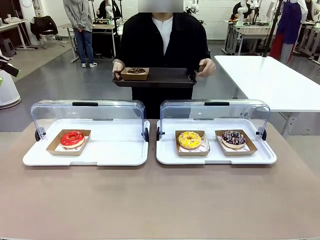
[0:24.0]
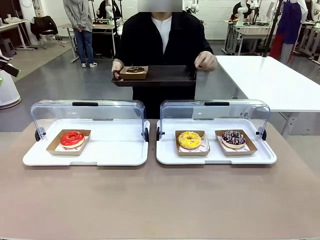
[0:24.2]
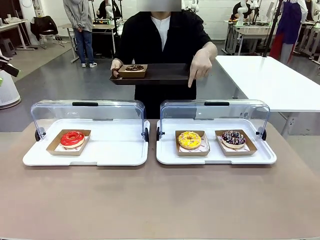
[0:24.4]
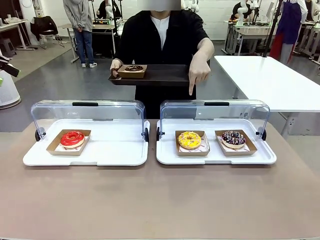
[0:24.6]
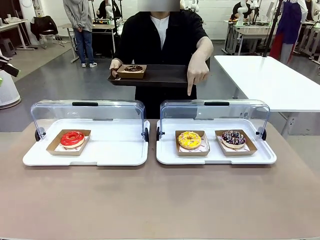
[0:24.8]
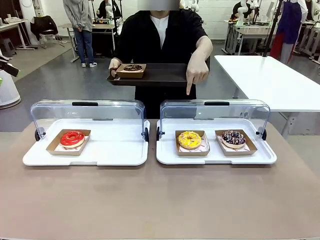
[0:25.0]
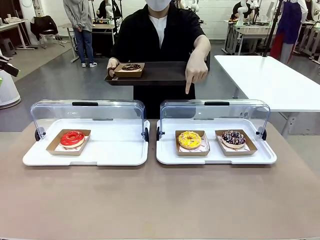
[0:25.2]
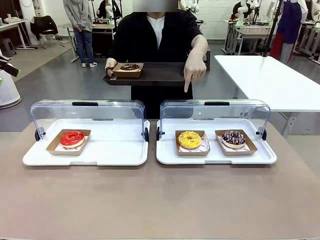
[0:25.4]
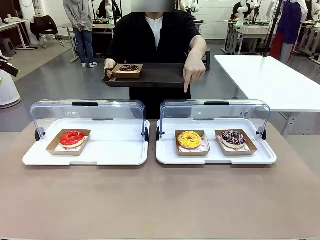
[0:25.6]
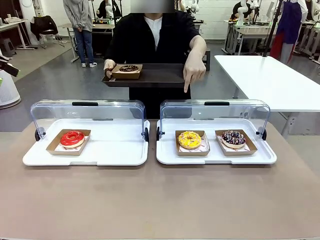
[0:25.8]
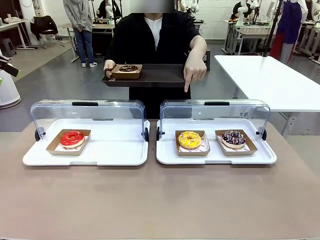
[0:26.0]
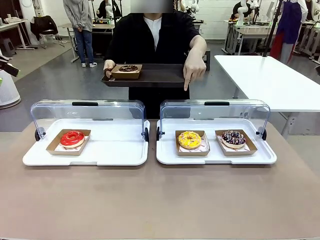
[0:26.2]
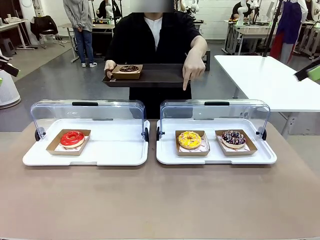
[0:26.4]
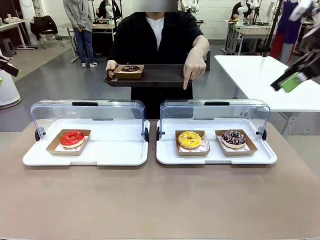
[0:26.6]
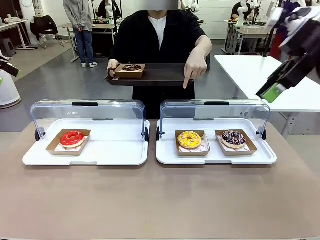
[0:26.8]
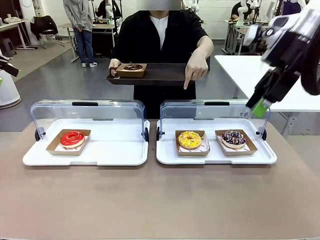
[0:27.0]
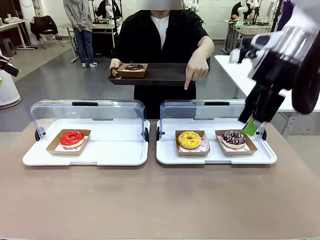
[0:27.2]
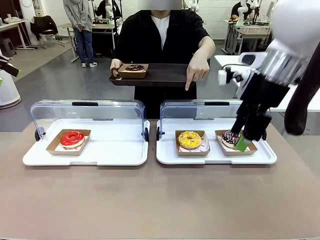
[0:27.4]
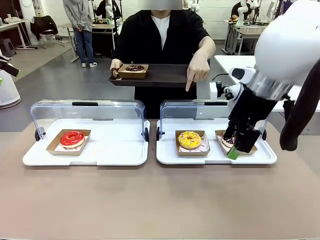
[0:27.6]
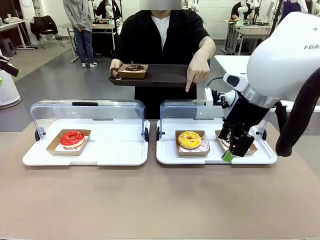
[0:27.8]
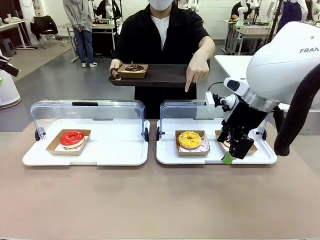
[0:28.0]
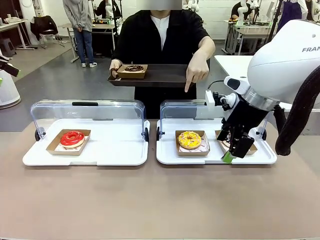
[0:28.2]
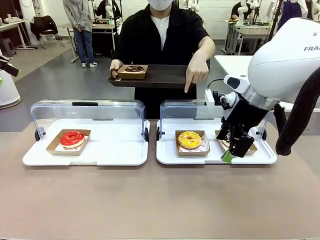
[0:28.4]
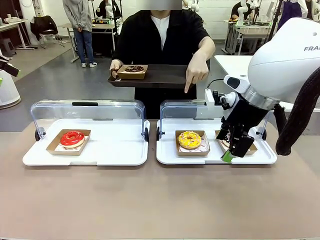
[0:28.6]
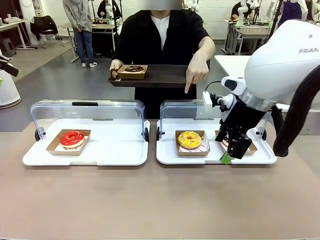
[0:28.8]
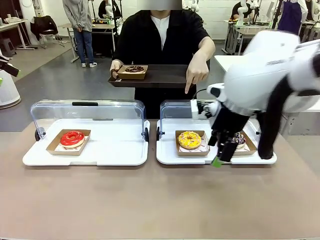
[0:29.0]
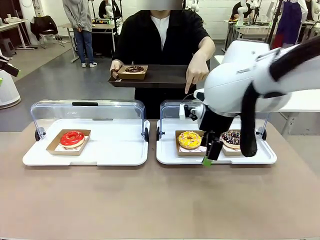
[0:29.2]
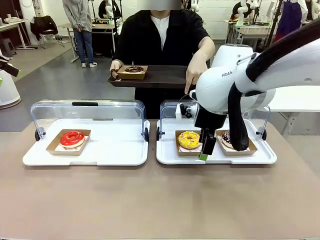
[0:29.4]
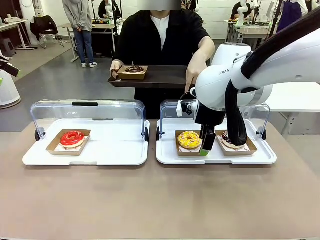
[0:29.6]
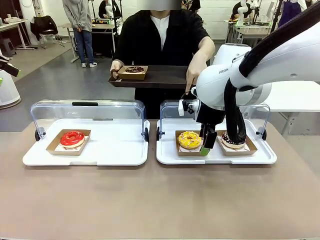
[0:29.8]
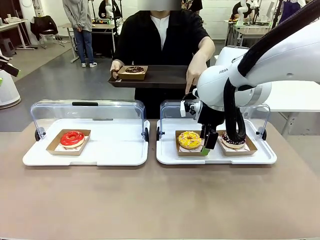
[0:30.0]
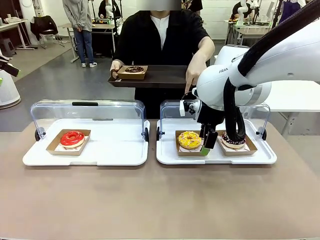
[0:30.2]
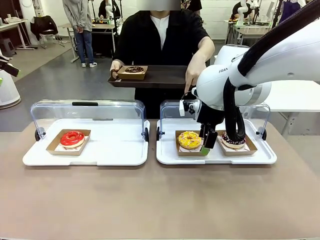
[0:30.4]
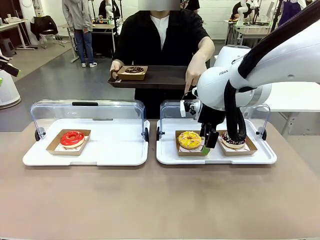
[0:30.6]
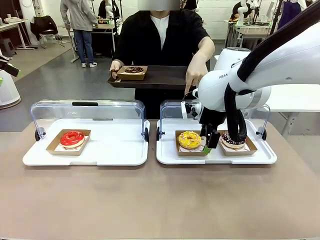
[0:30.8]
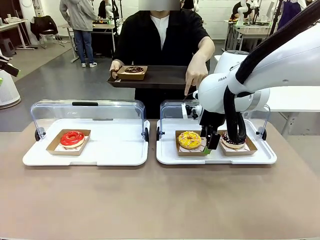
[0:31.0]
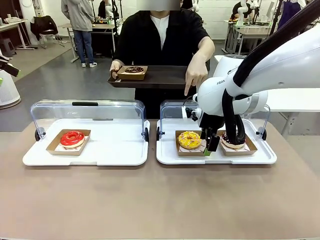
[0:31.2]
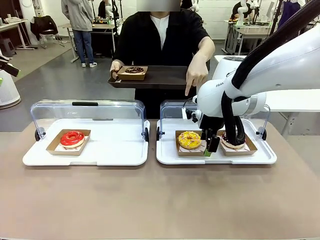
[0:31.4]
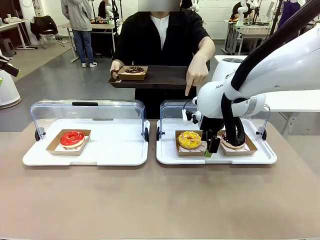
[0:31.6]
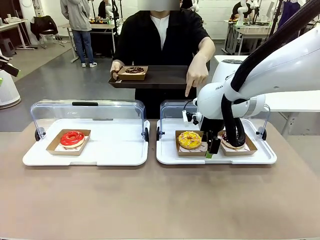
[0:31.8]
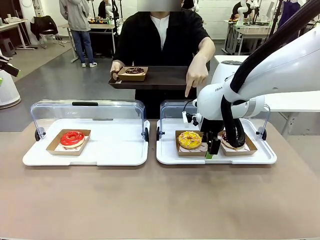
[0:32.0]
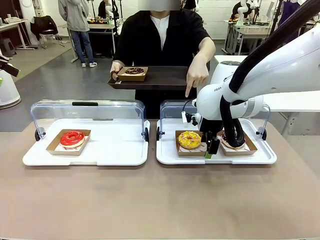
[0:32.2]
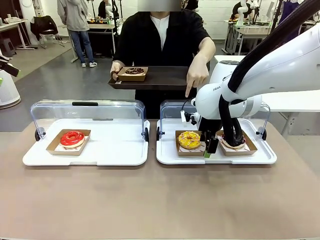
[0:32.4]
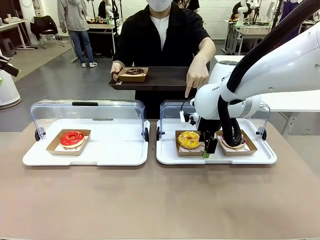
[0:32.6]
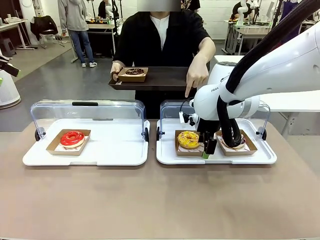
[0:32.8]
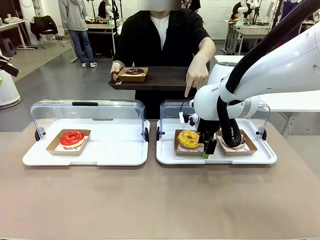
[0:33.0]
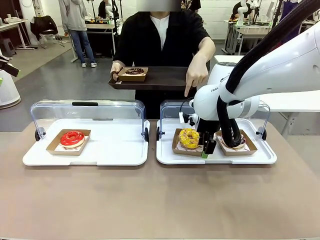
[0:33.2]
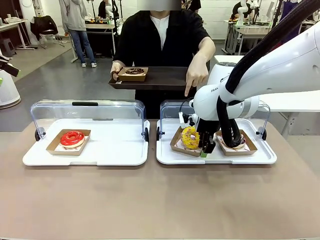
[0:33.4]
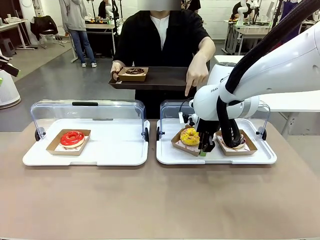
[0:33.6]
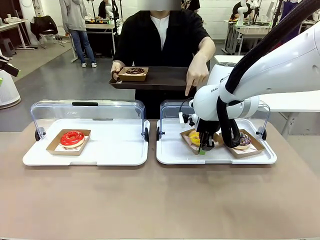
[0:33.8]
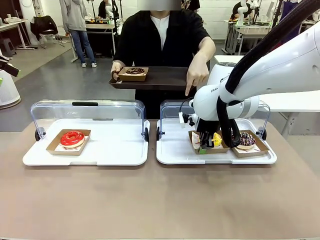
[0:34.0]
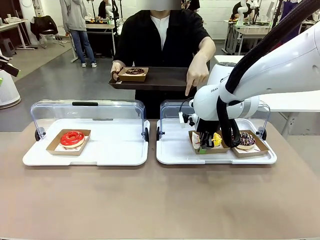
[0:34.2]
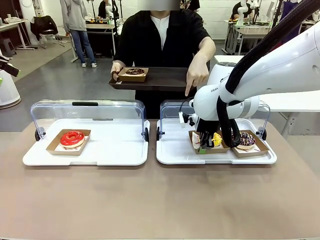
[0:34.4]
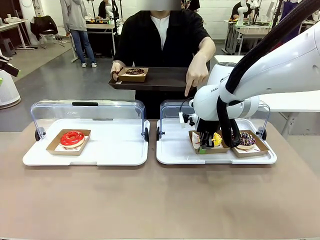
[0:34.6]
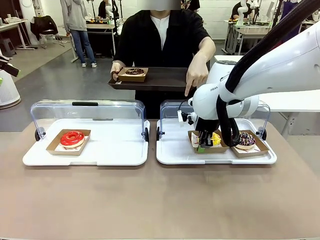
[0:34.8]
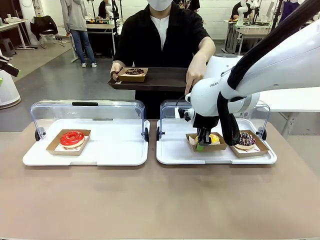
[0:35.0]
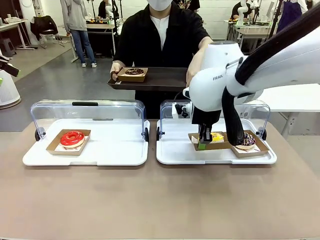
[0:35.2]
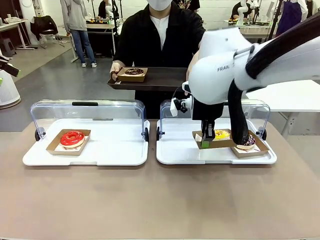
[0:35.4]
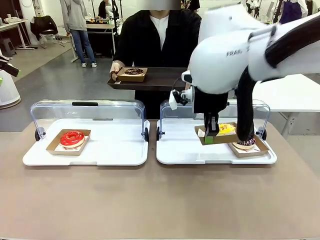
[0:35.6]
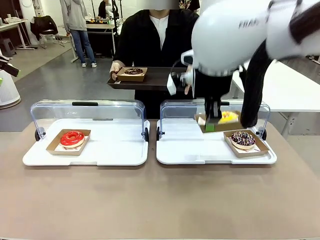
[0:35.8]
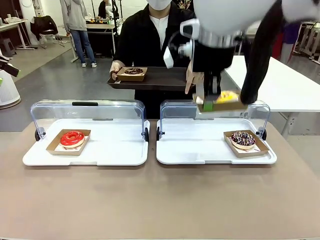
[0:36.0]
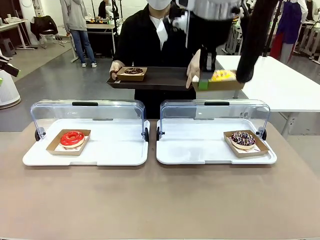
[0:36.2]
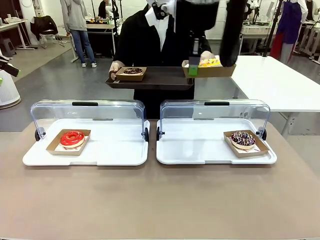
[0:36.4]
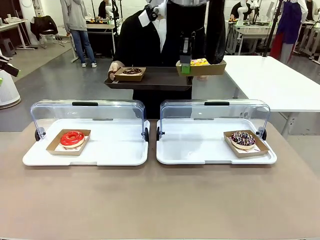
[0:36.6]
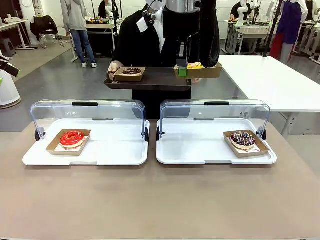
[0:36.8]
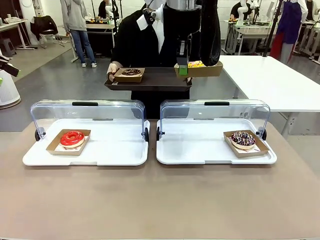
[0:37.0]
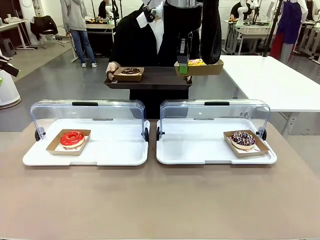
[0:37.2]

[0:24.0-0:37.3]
Task: Provide the desired donut to the person.
Robot: Pick up and lift the Paper togo box containing the Donut pointed at by the person.
Person: Lift the tray onto the Roll-Top Bakery Case.

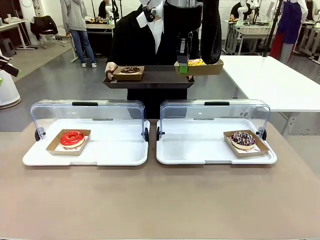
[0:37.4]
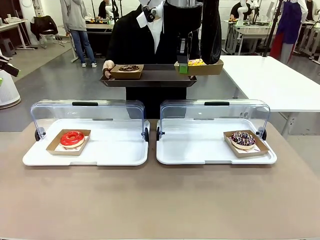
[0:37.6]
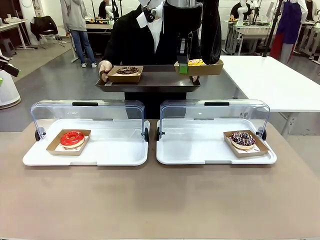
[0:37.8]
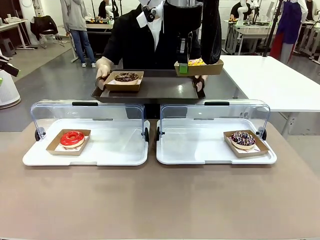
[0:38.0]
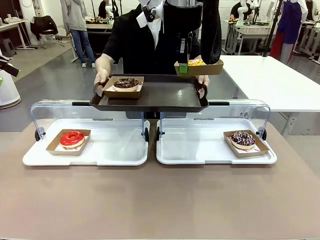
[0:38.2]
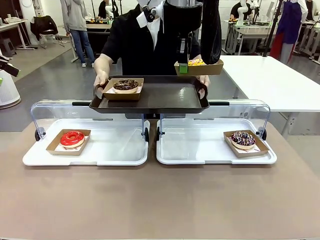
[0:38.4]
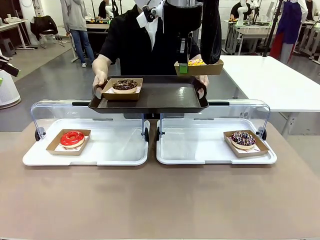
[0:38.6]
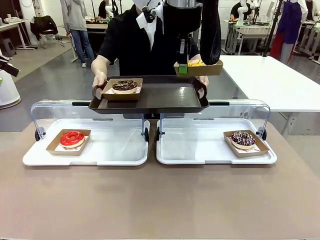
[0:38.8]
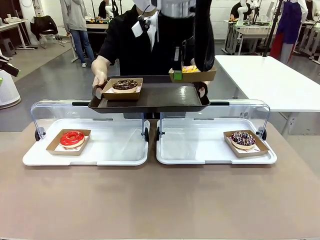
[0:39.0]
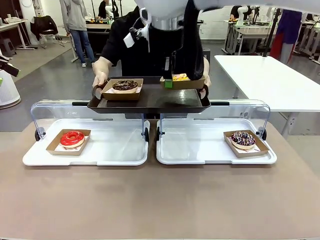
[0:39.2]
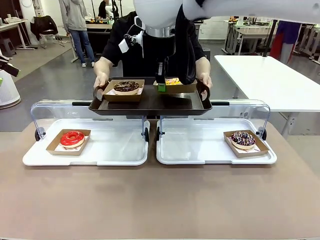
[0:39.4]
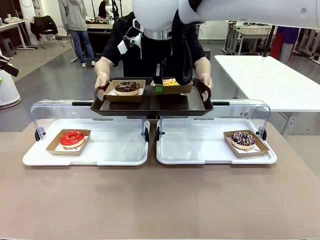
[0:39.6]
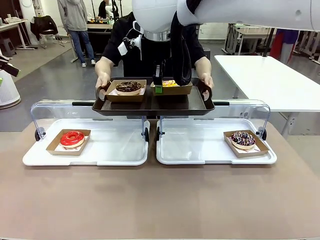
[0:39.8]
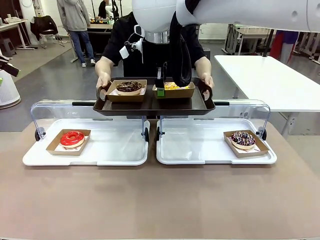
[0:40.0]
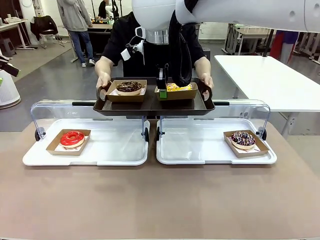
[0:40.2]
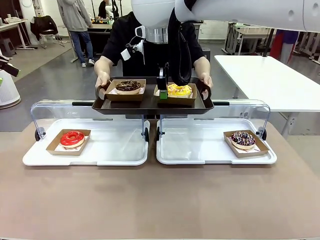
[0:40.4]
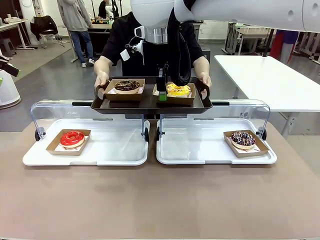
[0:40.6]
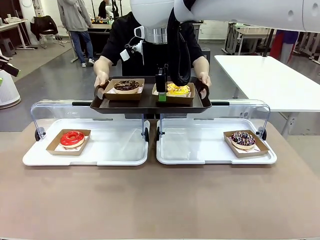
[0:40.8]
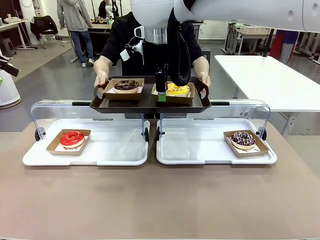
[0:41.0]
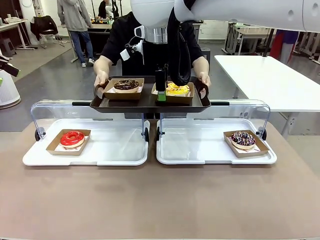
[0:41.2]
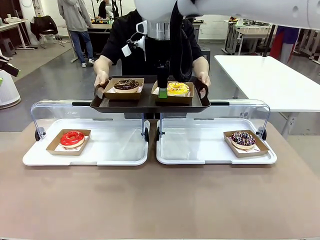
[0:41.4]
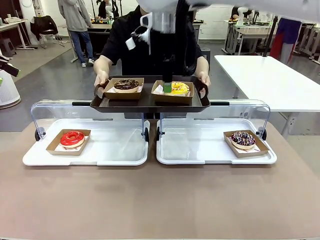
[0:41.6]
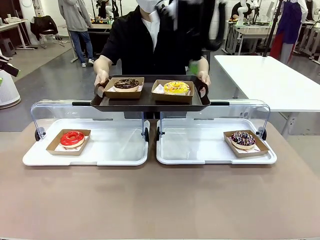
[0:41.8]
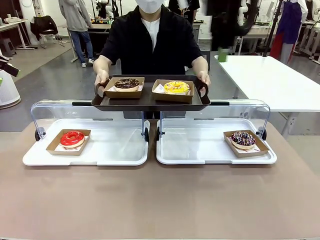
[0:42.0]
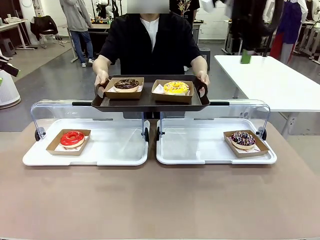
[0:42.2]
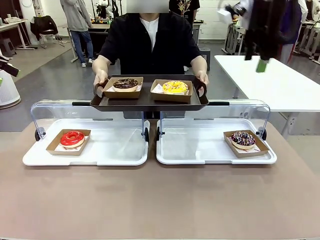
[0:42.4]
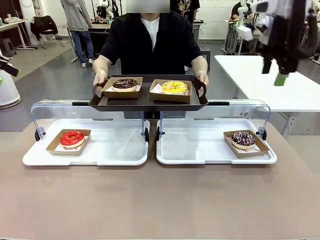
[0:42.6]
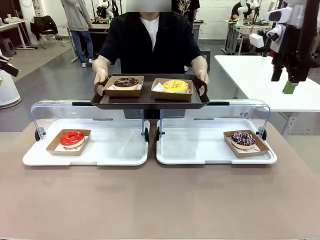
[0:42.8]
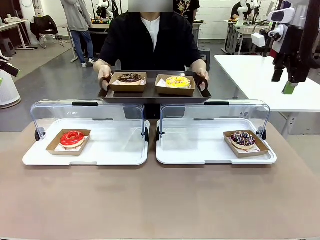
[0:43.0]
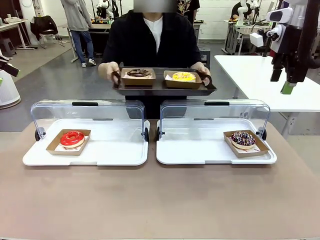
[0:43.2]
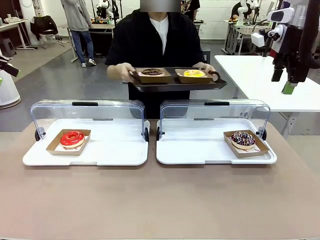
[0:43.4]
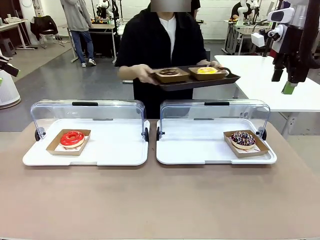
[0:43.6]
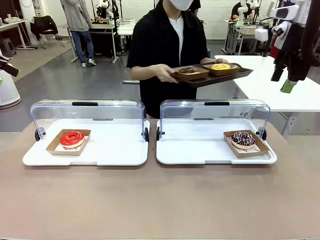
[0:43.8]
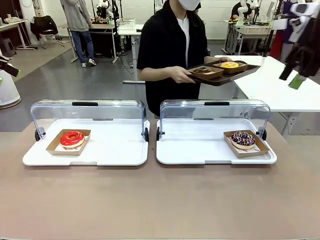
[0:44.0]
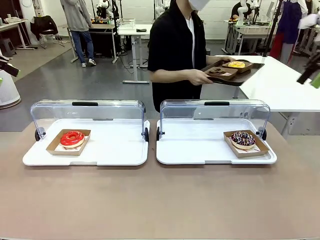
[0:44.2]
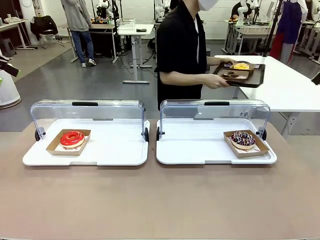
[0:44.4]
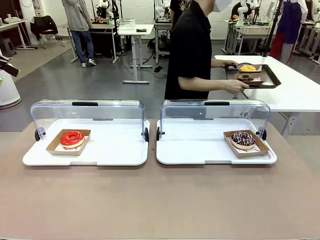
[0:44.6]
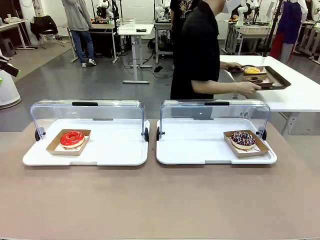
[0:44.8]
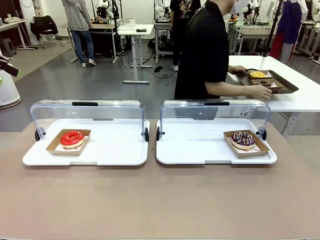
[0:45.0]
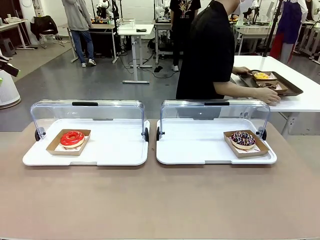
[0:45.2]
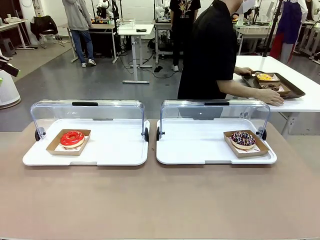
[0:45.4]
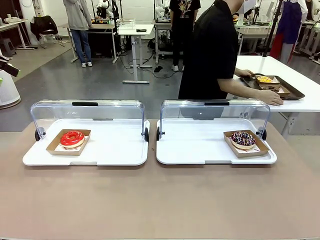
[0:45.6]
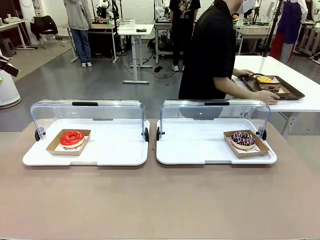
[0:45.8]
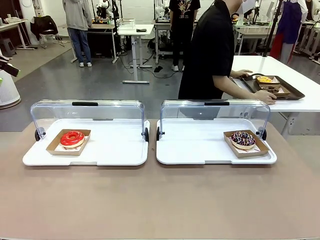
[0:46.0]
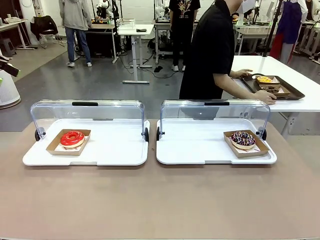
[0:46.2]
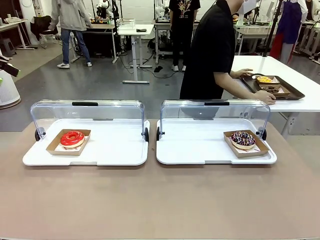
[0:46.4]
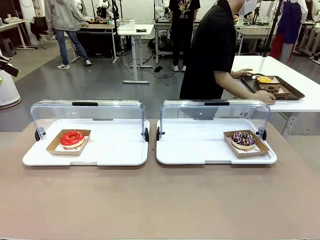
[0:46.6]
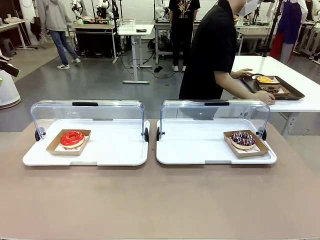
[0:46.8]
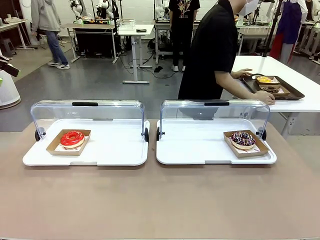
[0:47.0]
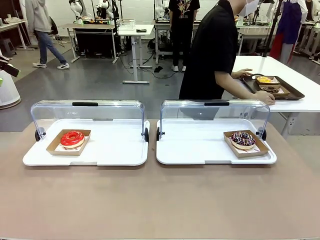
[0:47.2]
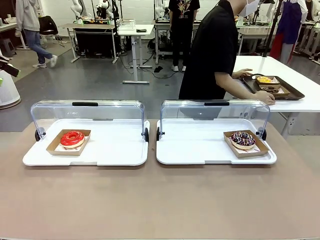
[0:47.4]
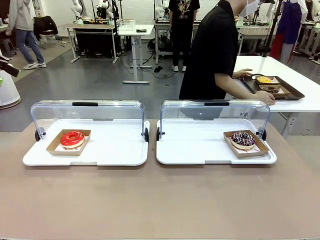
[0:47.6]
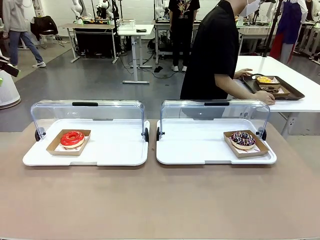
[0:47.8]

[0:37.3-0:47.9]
Robot: Place the picked Paper togo box onto the Handle tray extended by the person.
Person: Place the tray in the middle of the human table.
